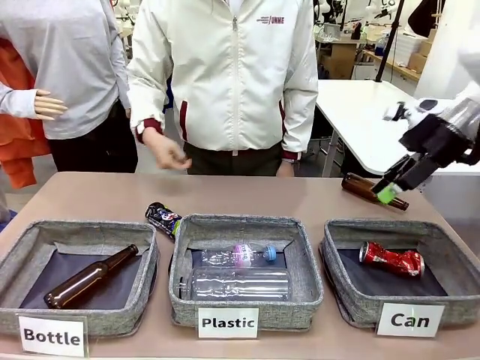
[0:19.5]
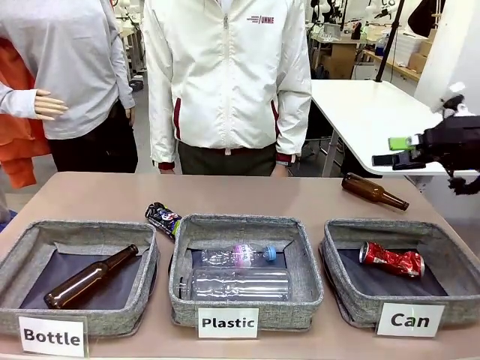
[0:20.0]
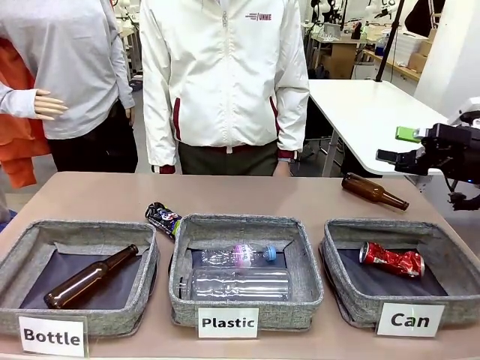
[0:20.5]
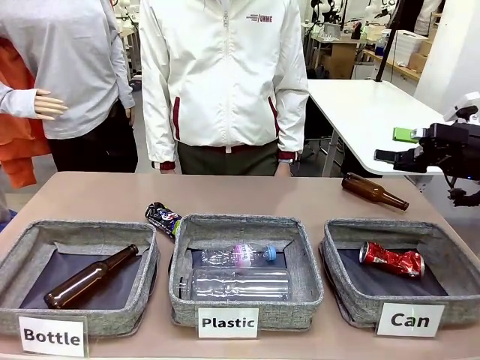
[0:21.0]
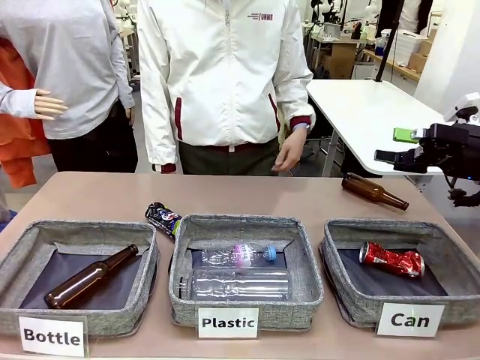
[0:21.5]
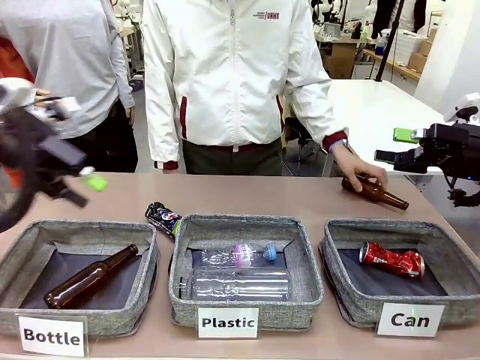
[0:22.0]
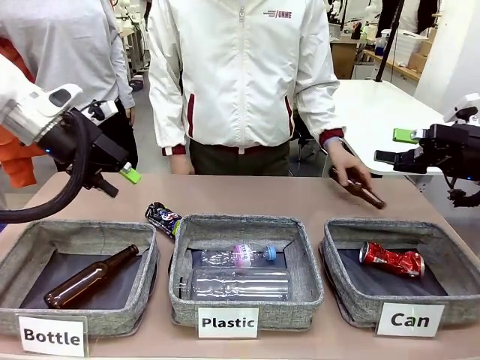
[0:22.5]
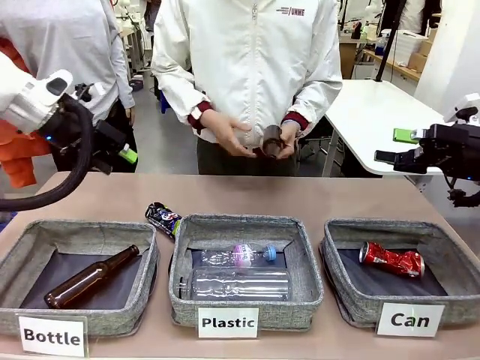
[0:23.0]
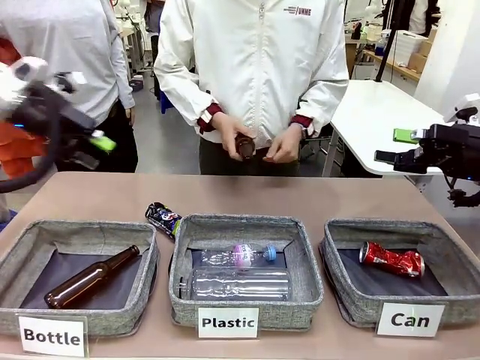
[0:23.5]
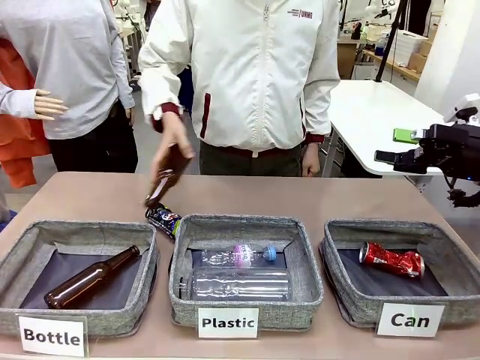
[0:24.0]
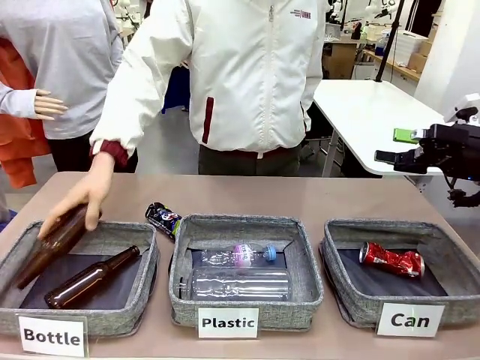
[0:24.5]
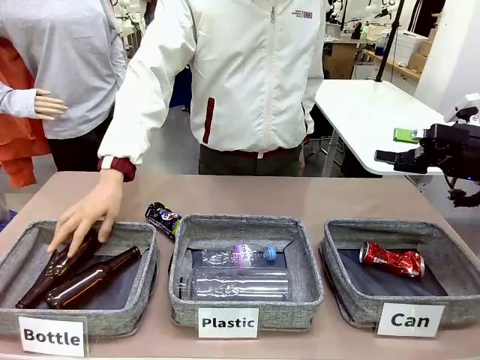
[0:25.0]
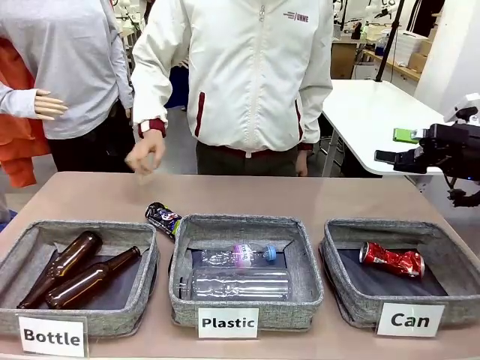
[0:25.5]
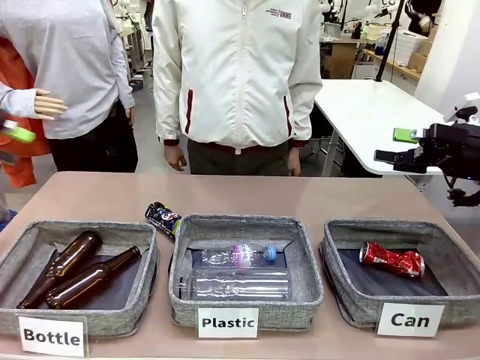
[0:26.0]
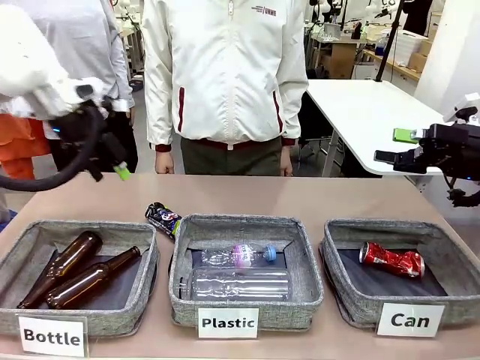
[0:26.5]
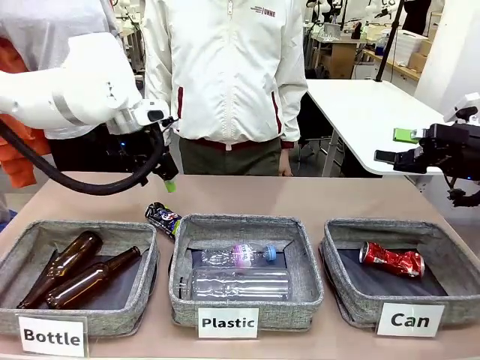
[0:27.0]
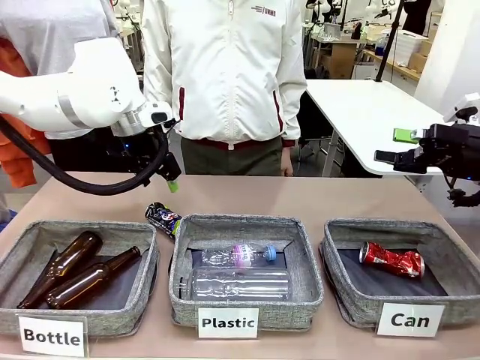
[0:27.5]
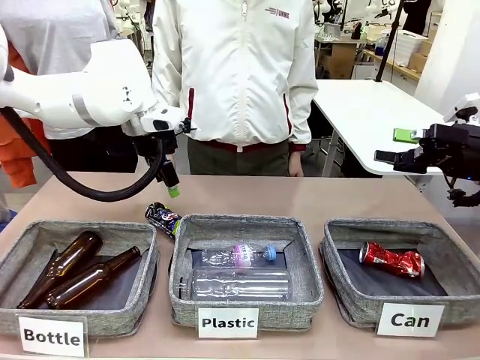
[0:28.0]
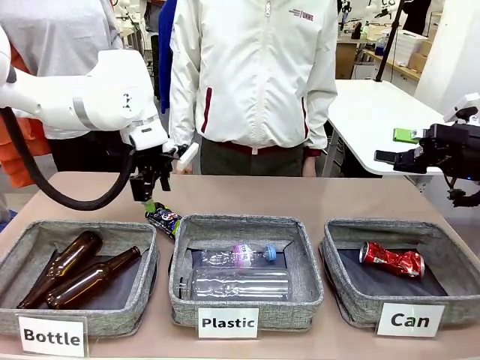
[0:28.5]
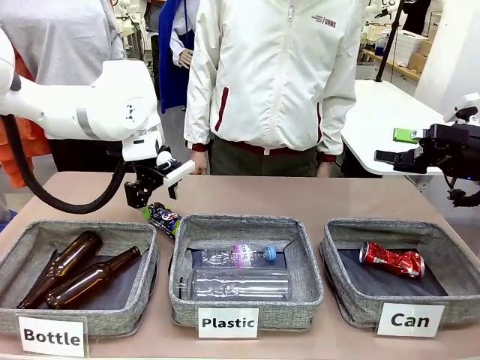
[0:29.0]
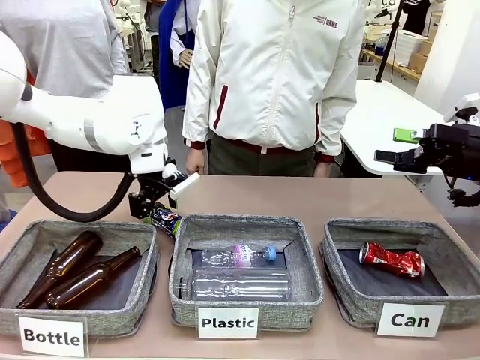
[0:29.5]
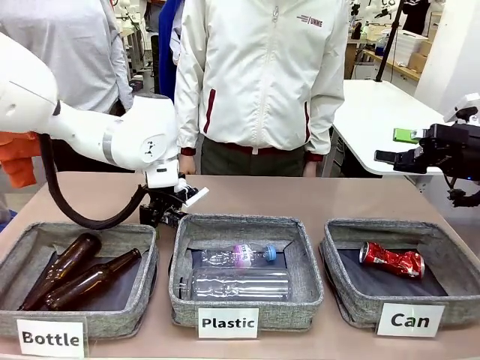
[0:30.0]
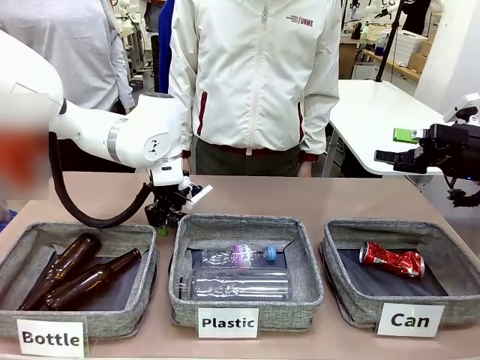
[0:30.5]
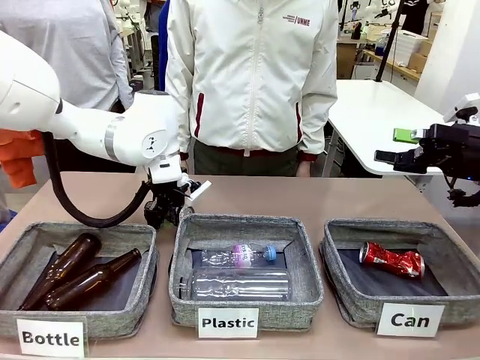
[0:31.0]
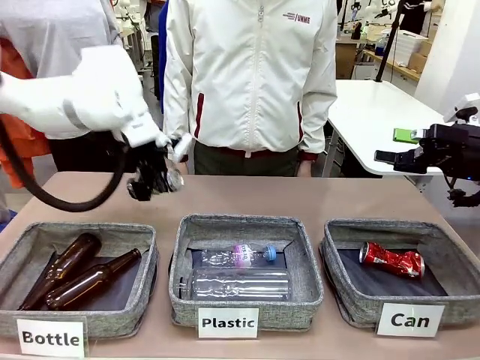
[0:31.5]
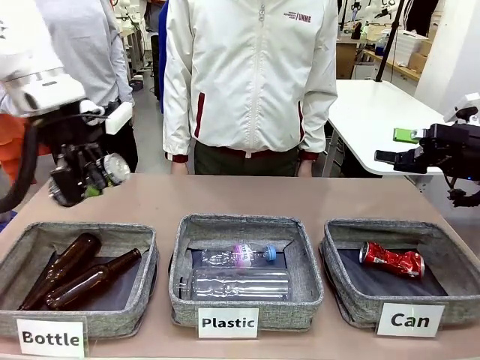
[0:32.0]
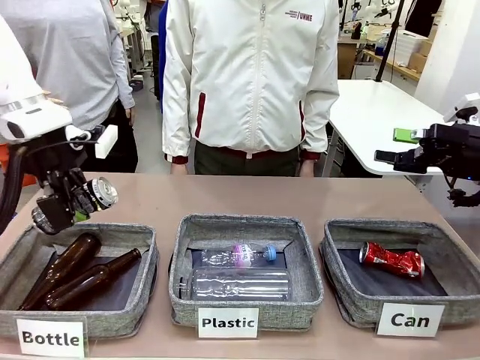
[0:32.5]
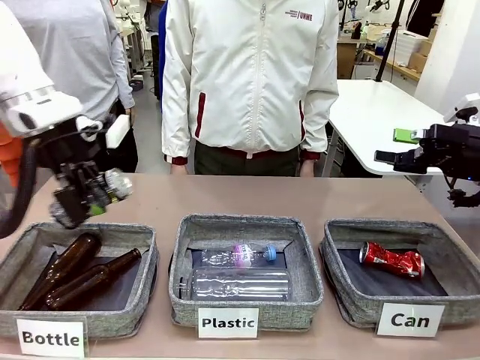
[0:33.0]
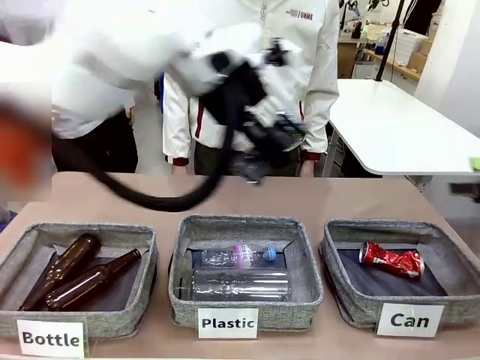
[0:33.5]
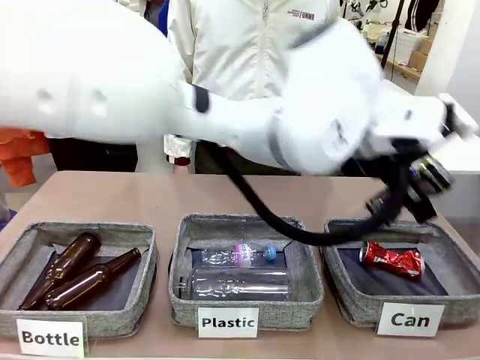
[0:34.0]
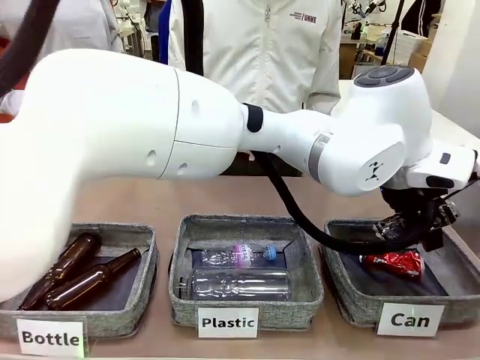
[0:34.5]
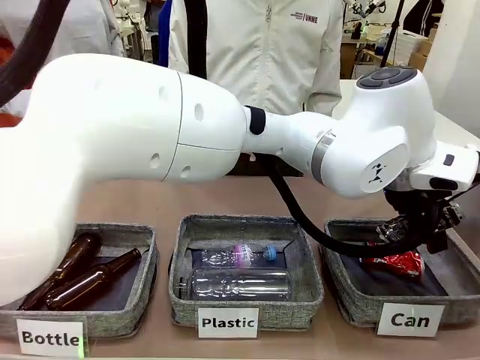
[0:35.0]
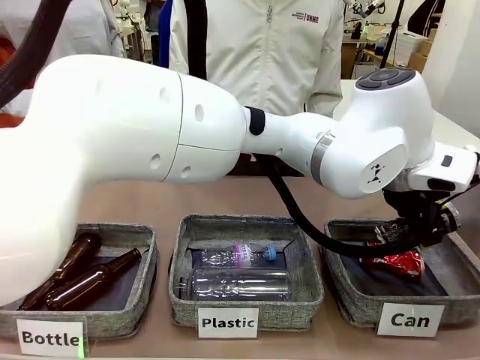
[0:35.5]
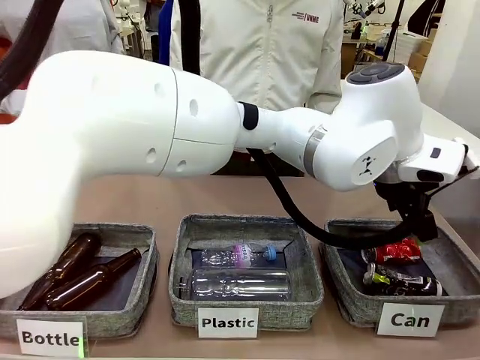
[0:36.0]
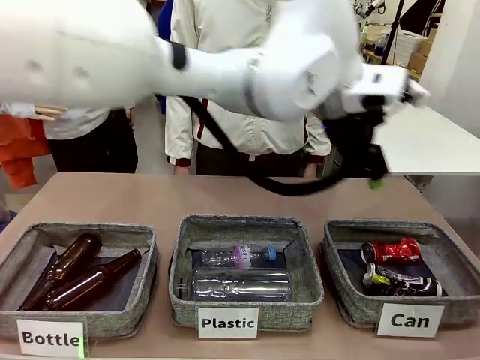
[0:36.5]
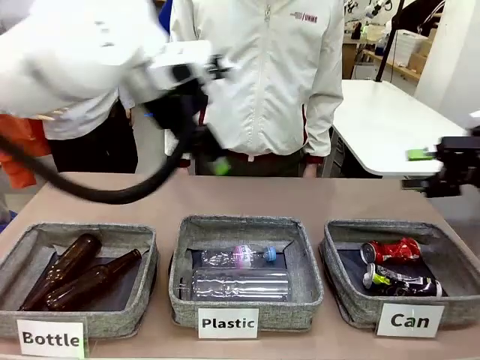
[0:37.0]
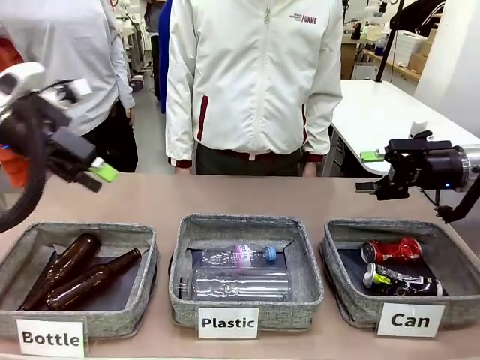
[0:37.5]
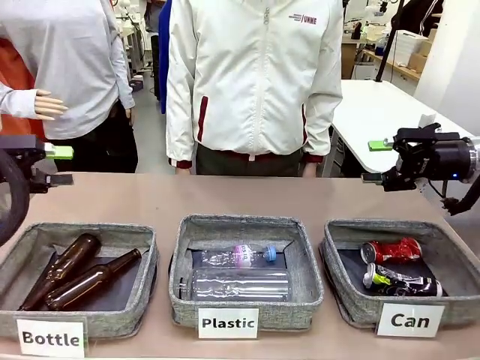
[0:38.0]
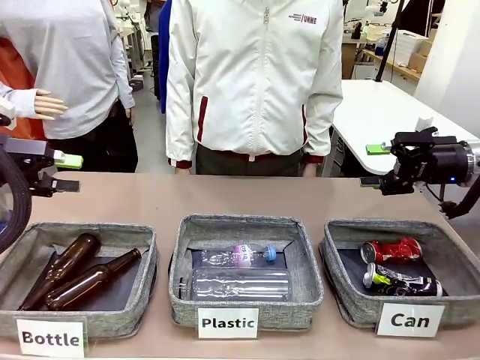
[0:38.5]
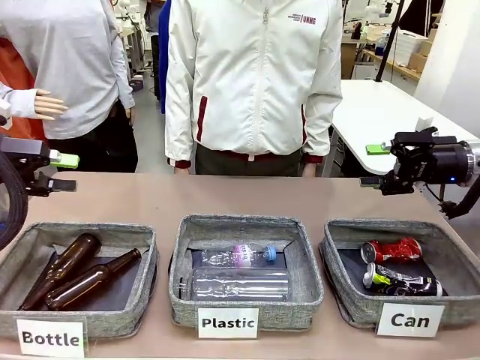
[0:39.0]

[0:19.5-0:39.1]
Task: Sort the can waste into the basket.
Robot: Pick up the can waste from the table and place it in the right Fabric basket.
Person: The human picks up one piece of trash that is not a can and places the trash into the appropriate organizing basket.
